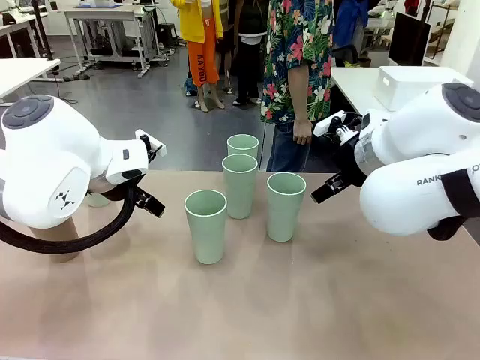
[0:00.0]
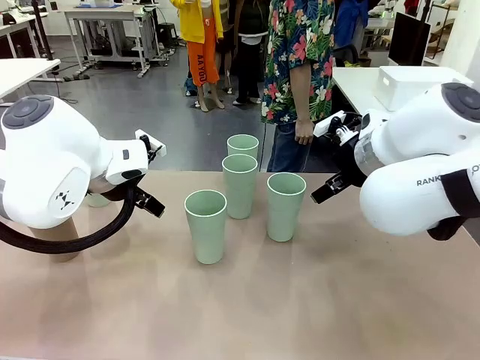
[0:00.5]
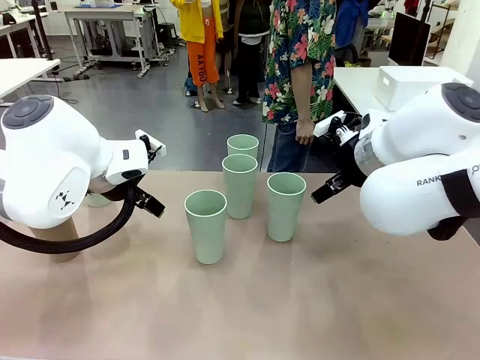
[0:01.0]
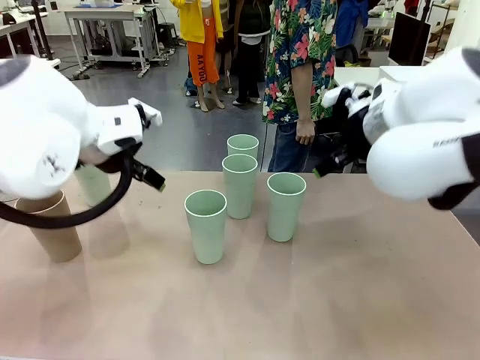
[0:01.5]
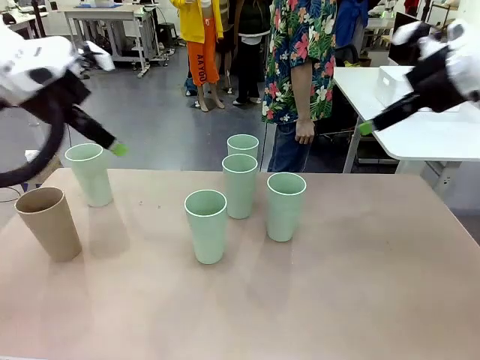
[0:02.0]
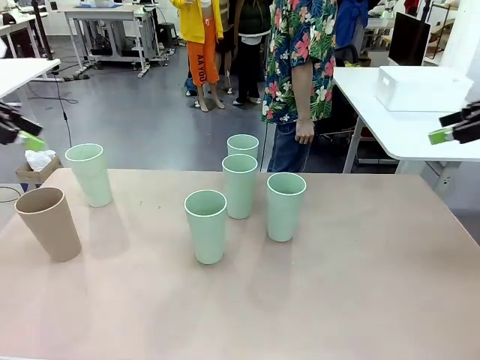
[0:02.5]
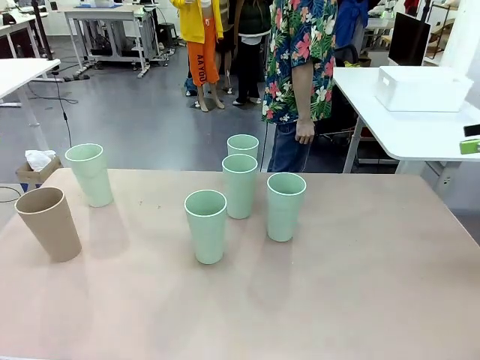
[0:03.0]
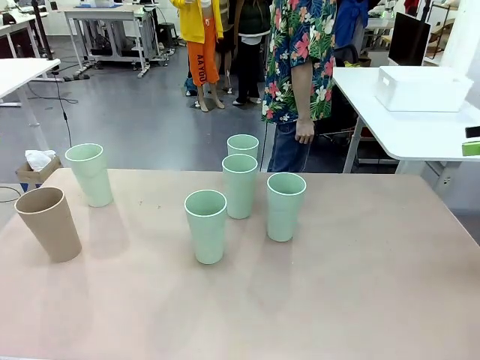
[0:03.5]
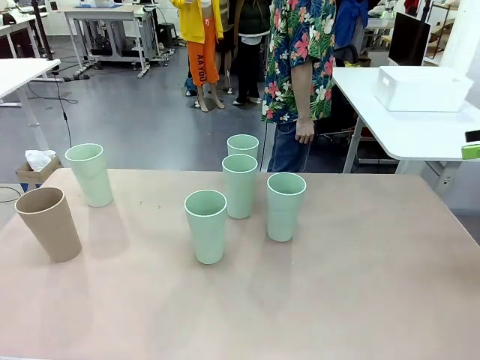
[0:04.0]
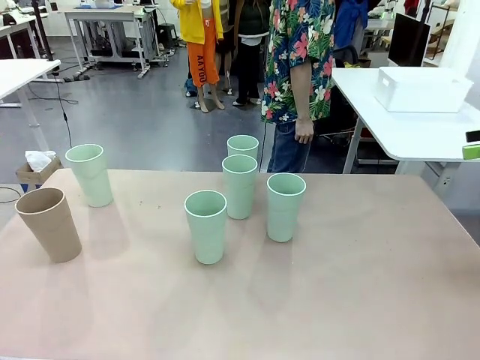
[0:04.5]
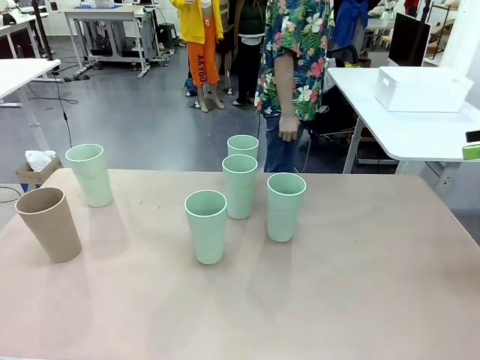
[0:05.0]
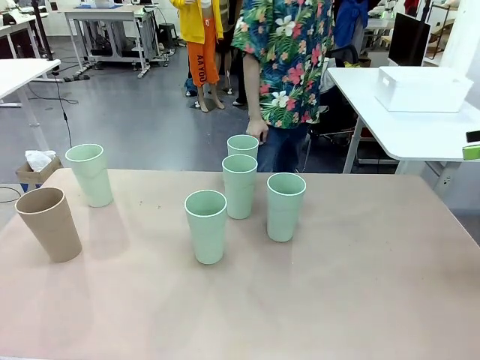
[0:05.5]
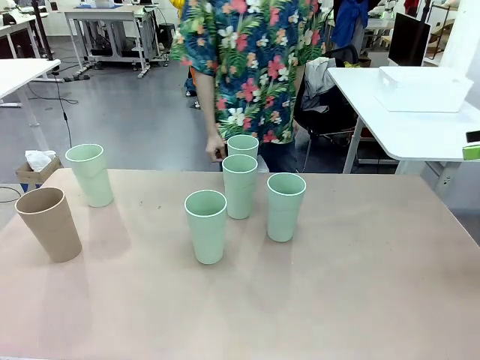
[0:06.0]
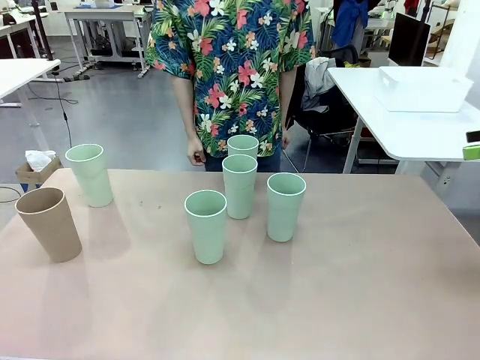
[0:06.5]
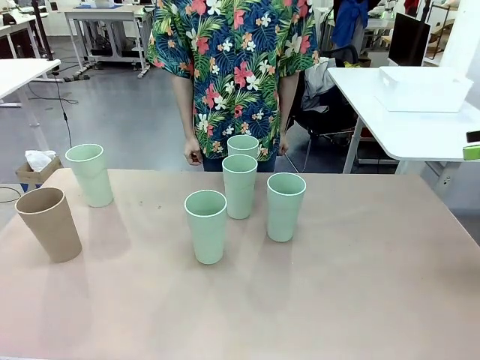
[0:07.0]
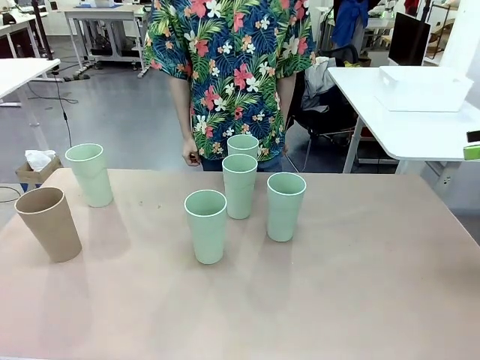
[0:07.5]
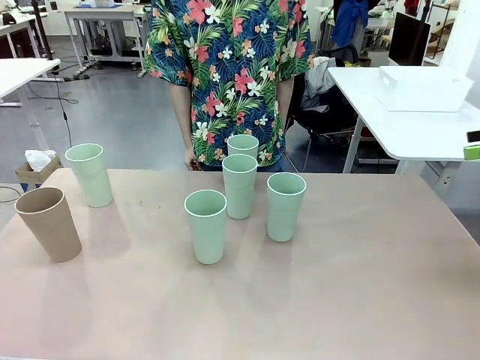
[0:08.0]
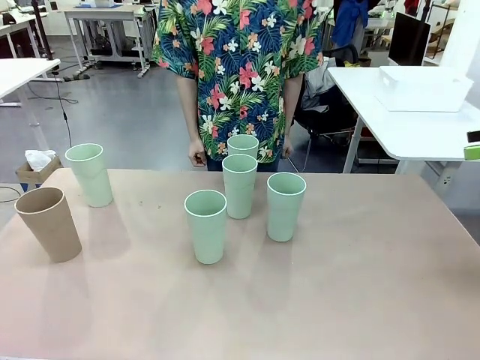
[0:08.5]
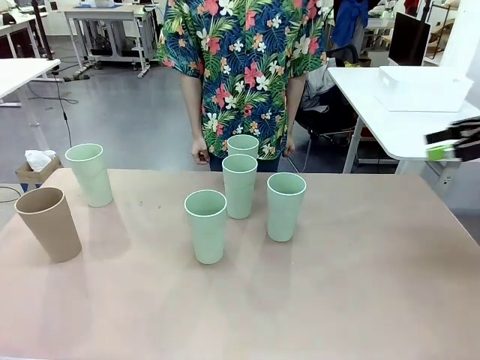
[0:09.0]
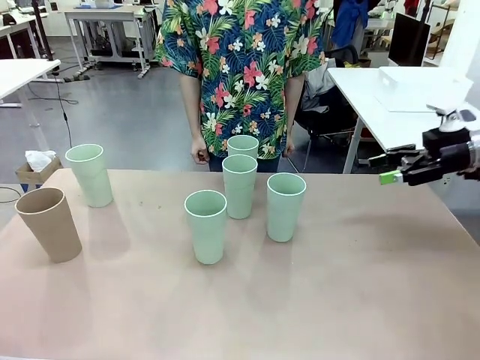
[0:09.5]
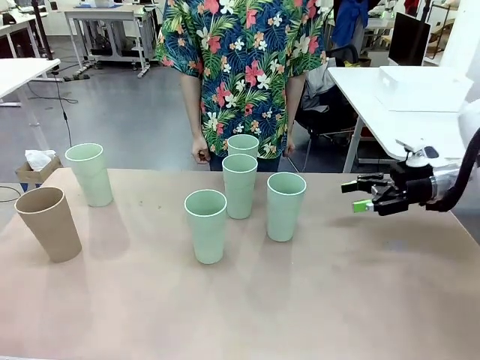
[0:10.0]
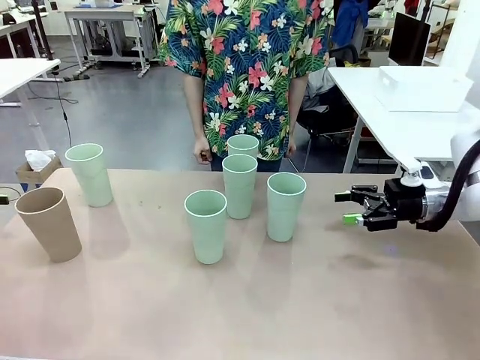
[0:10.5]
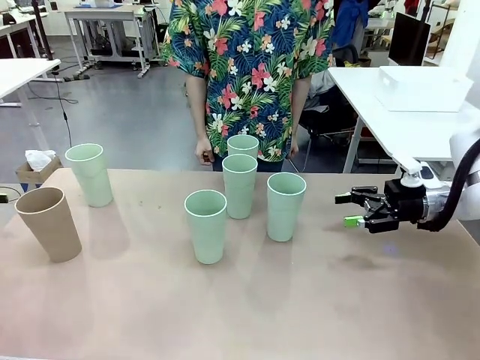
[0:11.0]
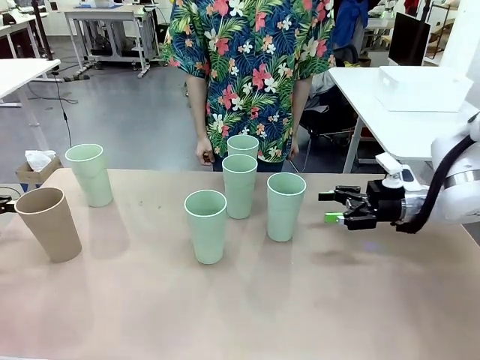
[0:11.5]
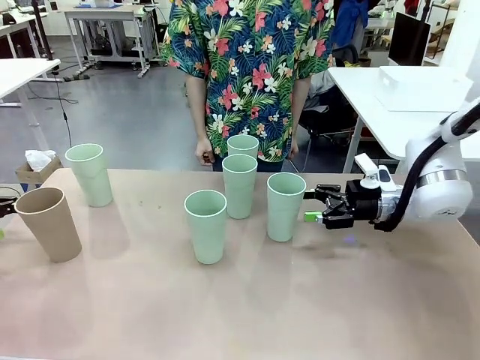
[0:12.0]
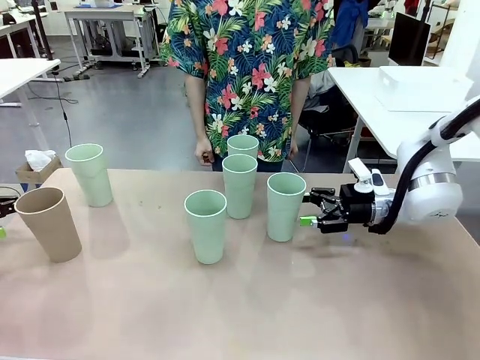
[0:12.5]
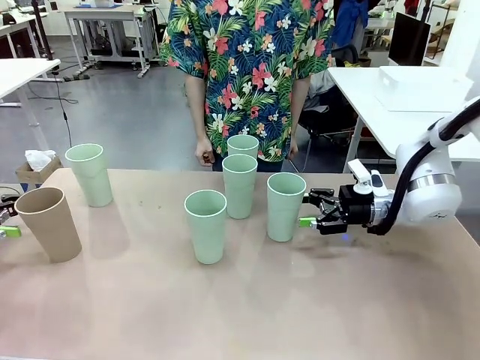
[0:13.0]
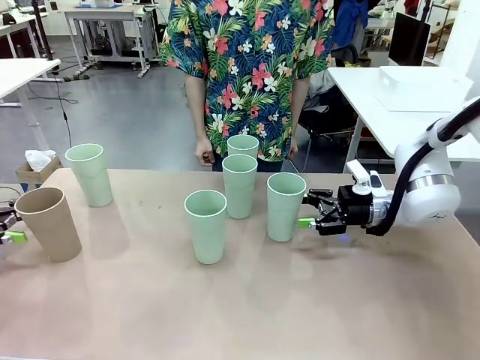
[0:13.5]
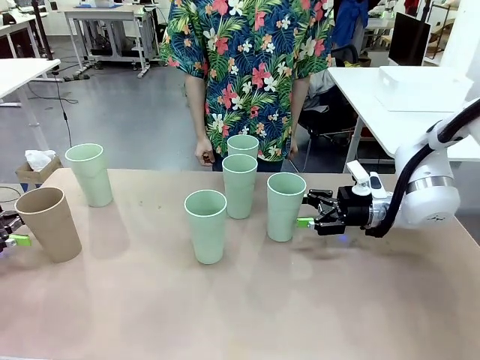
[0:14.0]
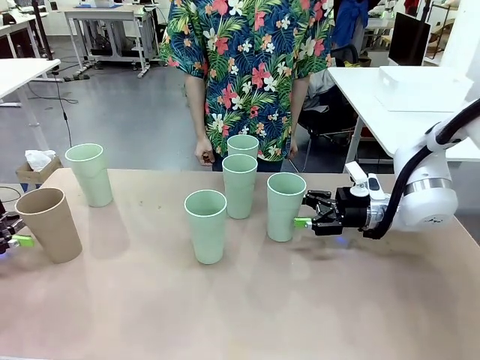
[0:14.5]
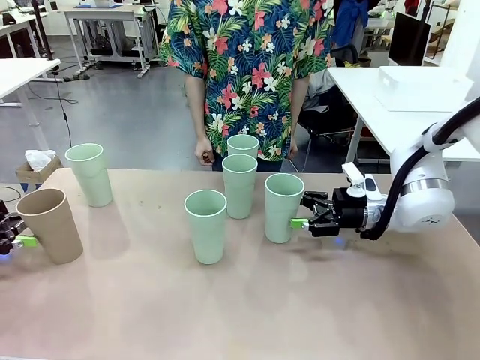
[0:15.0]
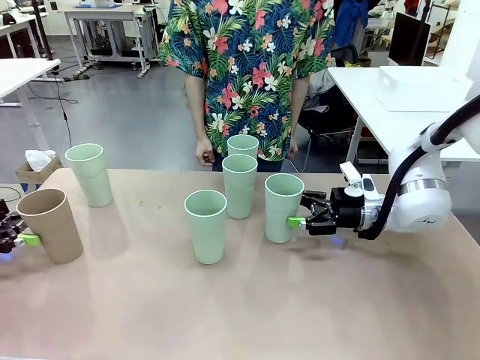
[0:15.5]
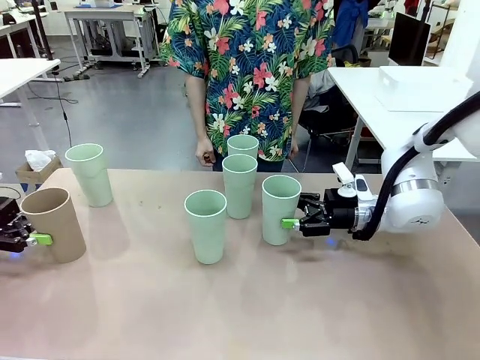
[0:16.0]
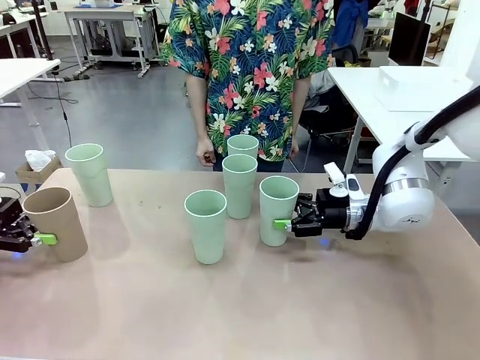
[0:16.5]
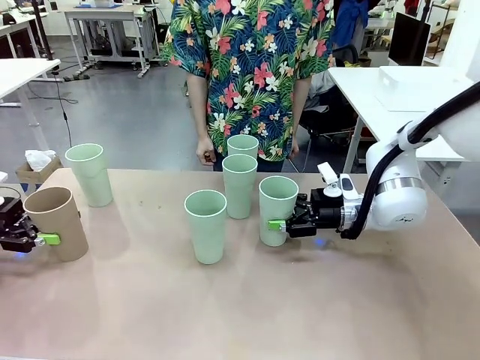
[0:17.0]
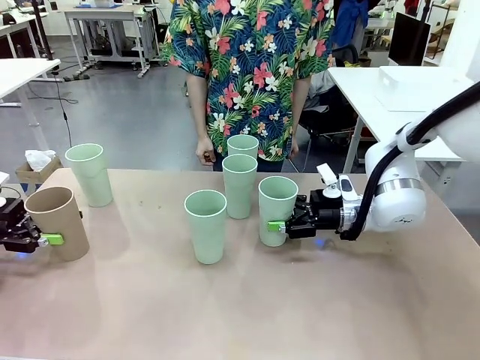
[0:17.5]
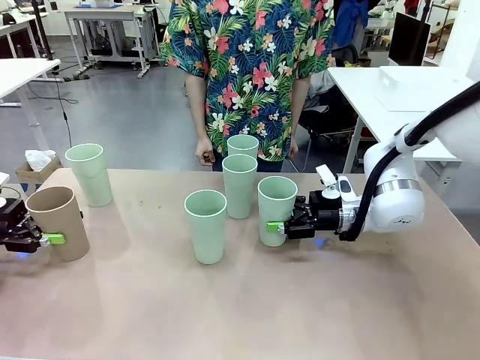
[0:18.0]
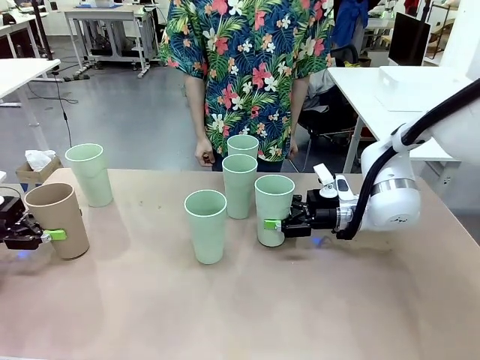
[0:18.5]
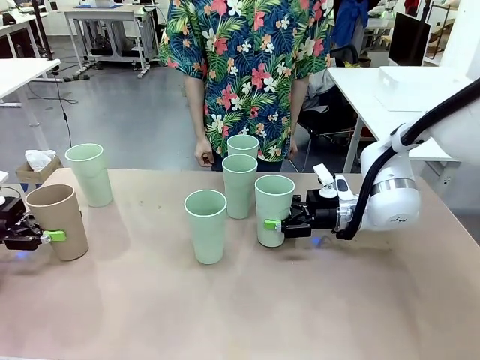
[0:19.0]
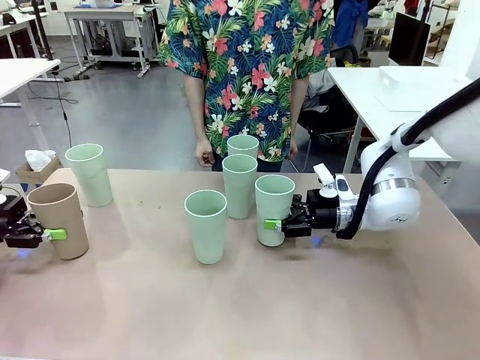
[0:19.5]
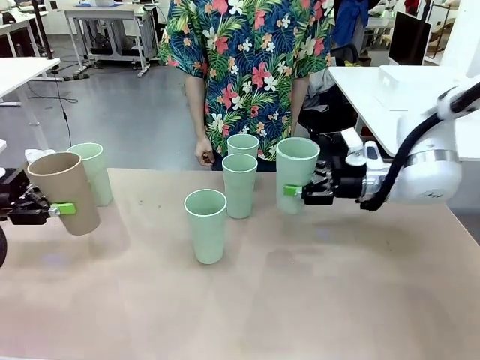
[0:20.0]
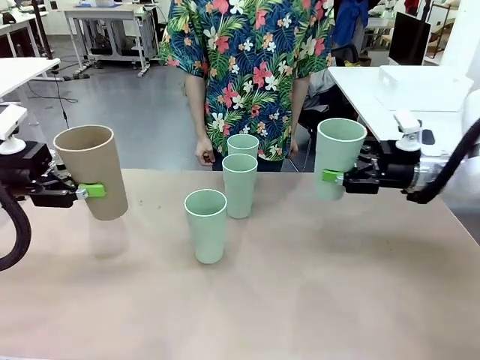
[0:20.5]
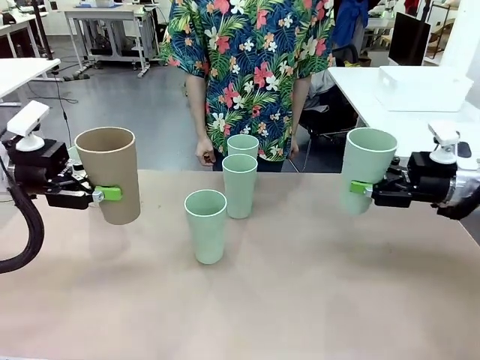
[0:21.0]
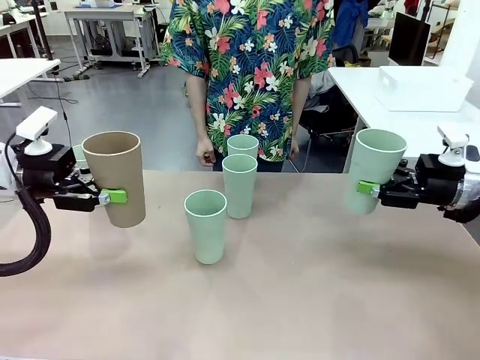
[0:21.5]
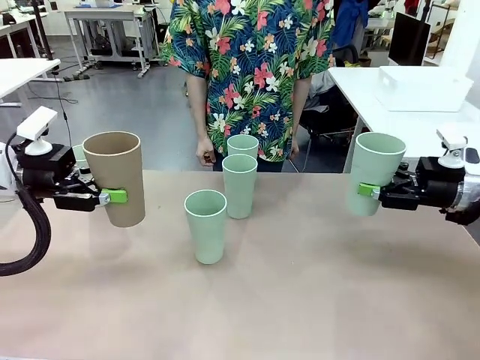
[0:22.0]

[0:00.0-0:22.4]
Task: Stack the cups and store them in the basket.
Robot: Pick up two Reusable plastic cups , one in each hand.
Person: Move from the Human Table to the front of the Robot Table. Stack two of the remaining cups on top of each cup held by the robot.
